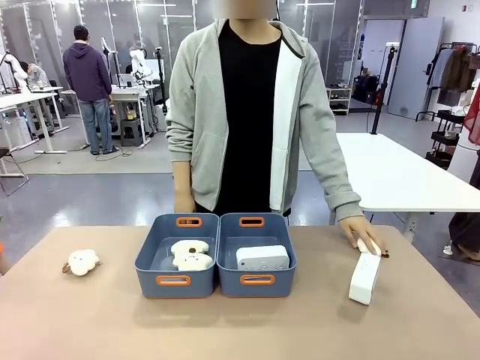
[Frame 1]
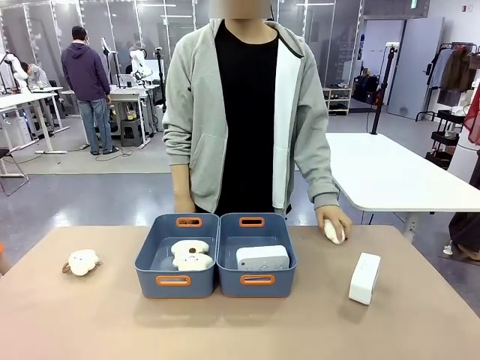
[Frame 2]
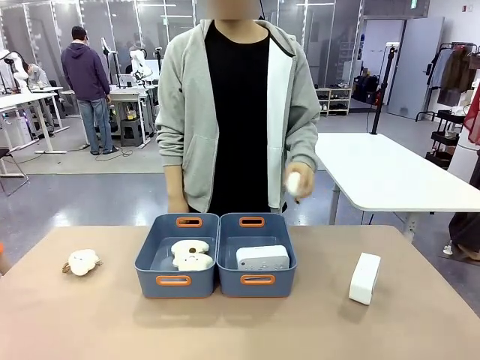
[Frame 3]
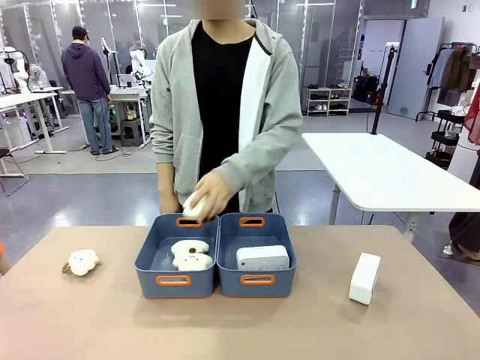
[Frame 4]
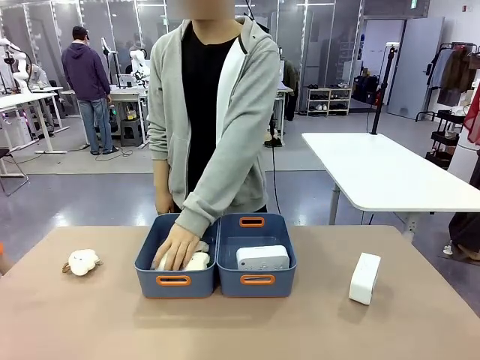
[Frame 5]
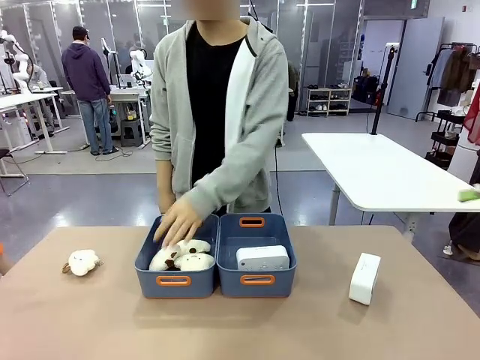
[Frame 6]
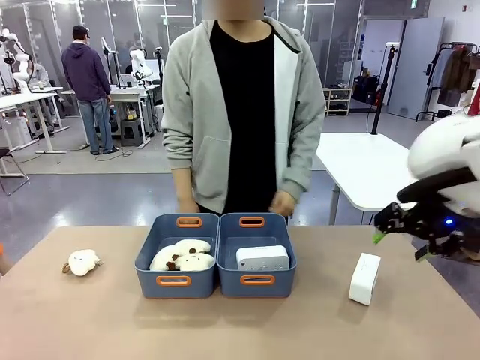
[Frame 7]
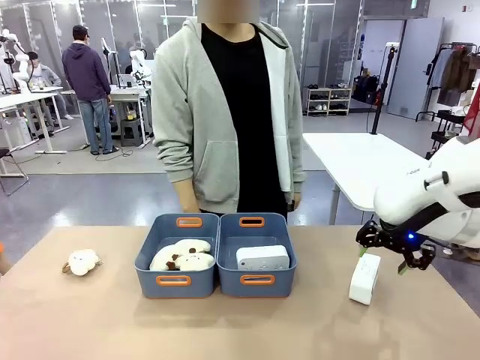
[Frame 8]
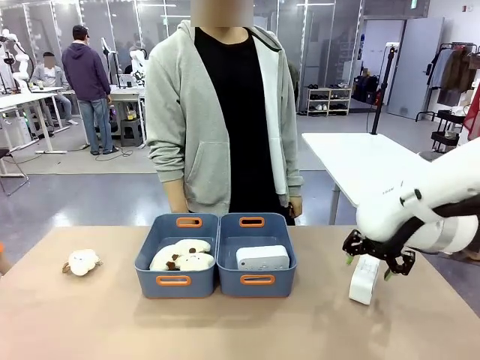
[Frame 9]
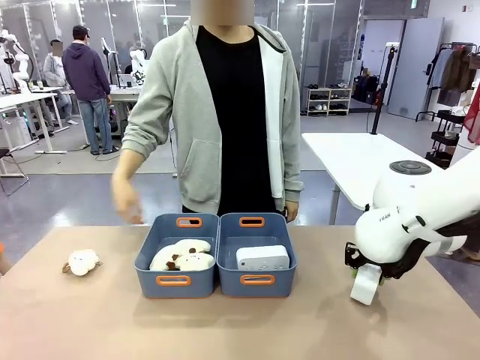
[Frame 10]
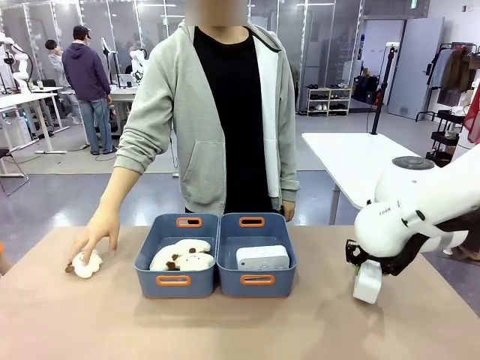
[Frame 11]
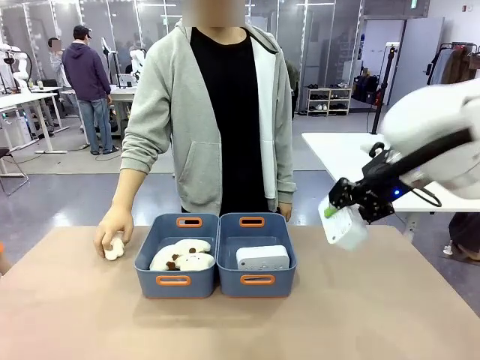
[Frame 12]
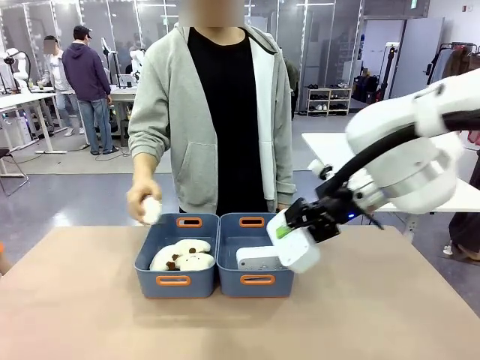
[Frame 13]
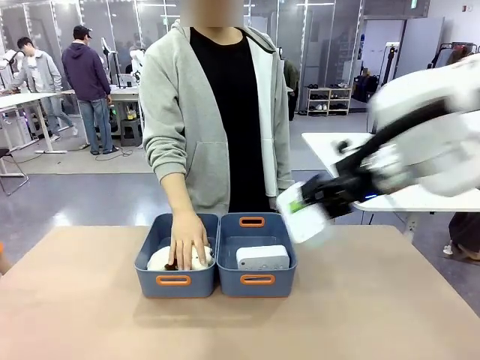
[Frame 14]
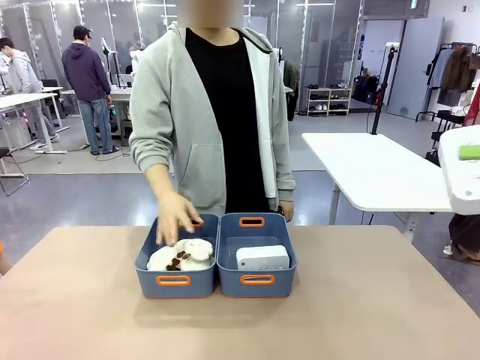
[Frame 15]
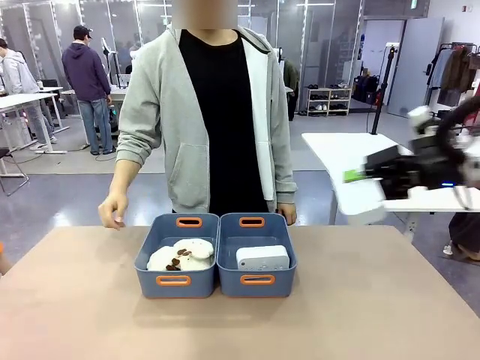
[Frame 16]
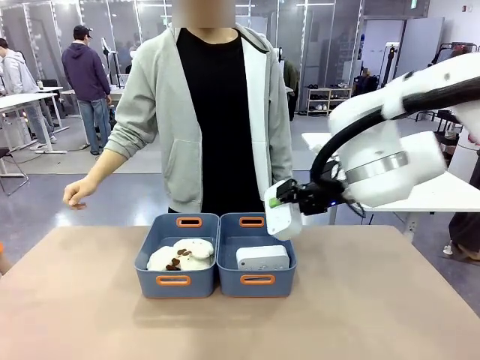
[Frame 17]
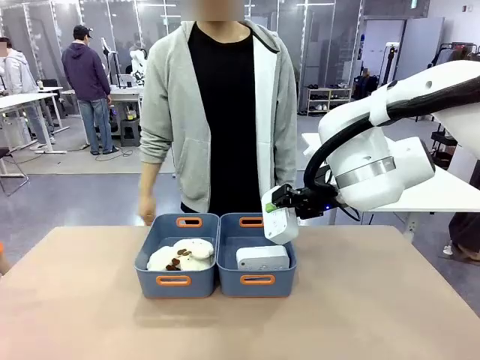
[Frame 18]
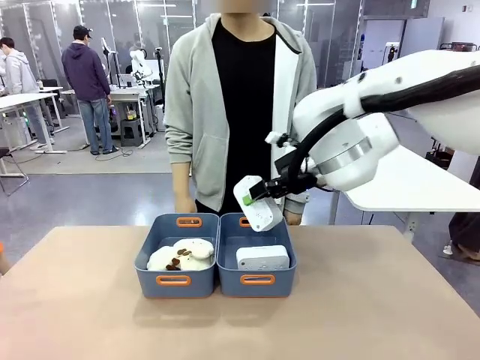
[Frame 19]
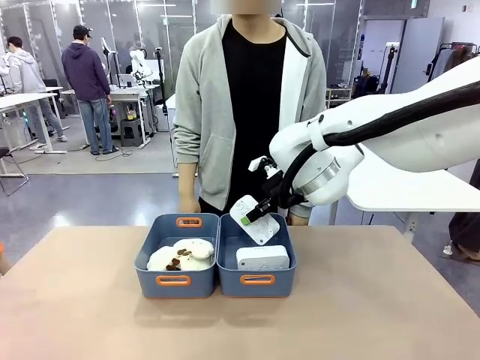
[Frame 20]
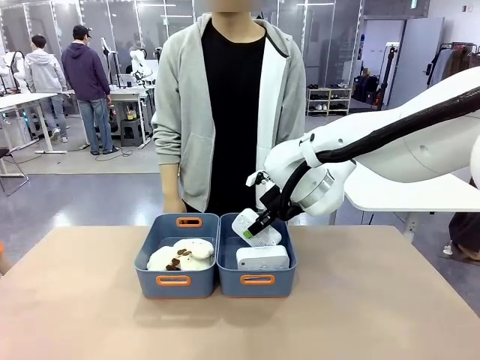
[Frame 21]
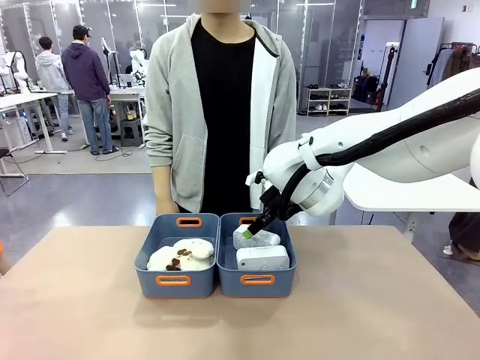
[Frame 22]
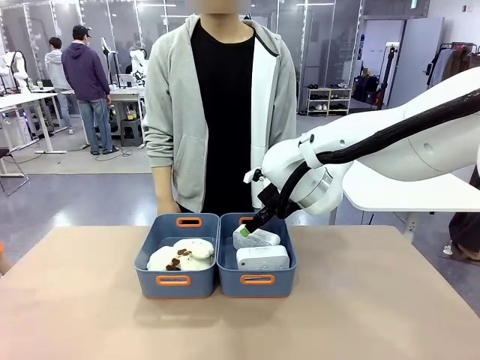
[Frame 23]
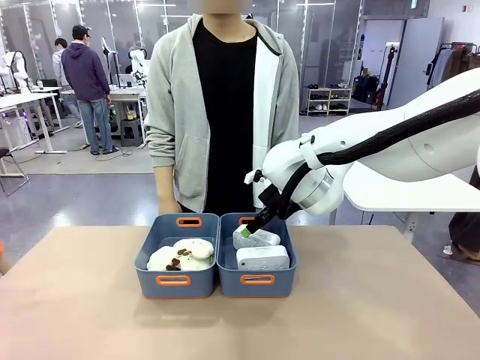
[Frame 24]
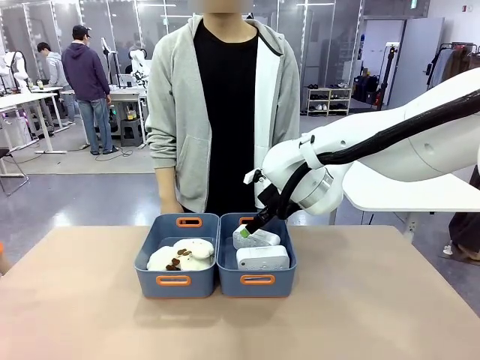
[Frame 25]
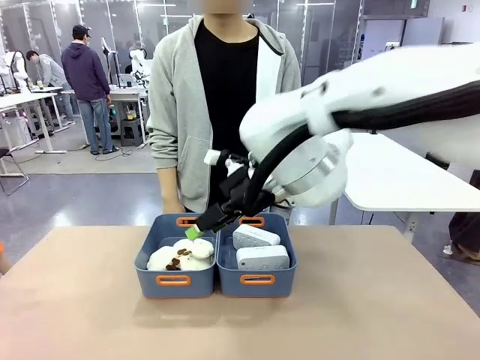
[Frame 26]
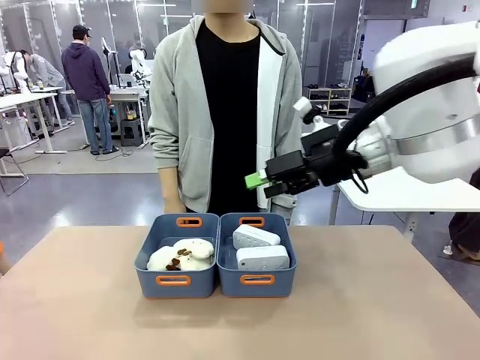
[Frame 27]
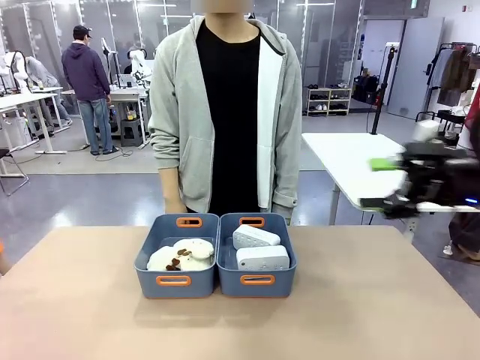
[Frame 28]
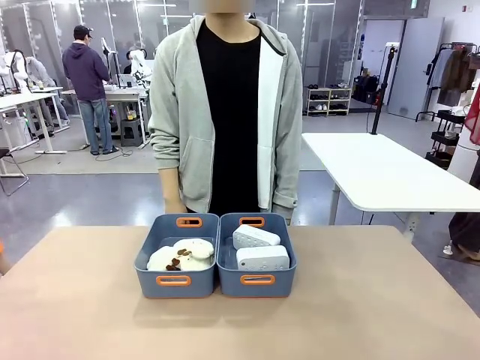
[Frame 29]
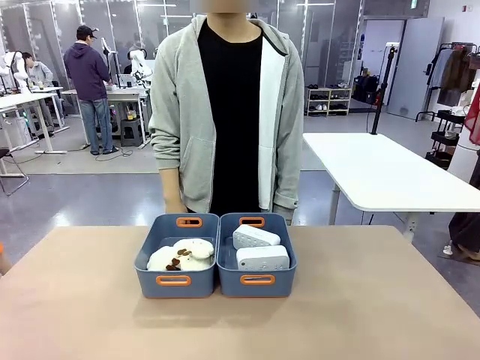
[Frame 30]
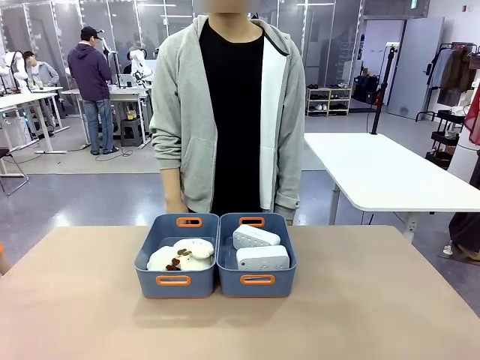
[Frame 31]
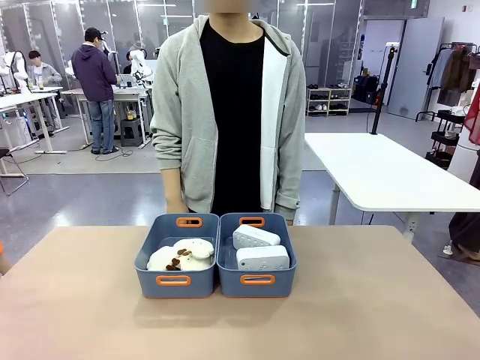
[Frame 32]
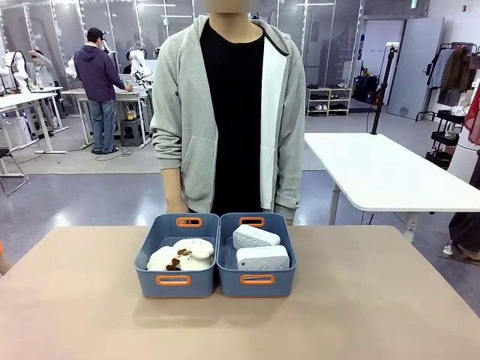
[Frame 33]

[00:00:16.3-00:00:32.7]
Task: Sort the digital clocks into the basket.
Robot: Pick up the Digital clock from the table and place it into the empty Plastic storage basket.
Person: Pick up a plush toy from the table and place it in the plastic storage basket containing the plush toy.

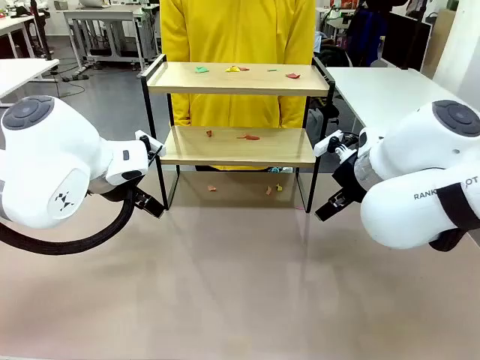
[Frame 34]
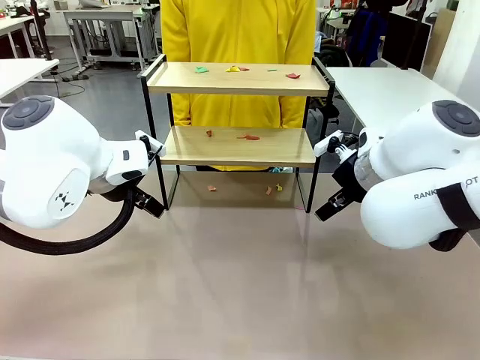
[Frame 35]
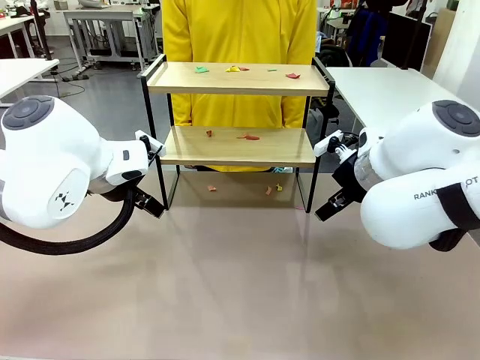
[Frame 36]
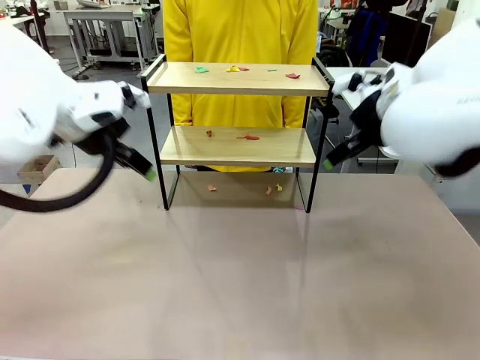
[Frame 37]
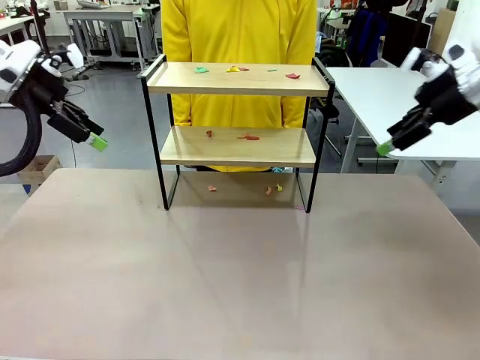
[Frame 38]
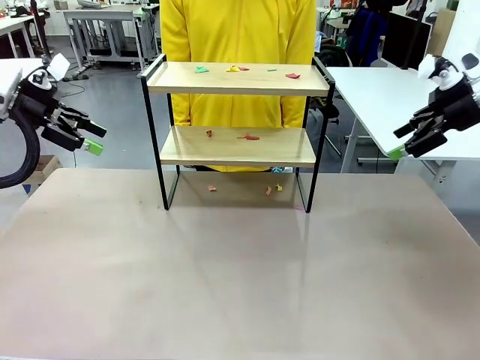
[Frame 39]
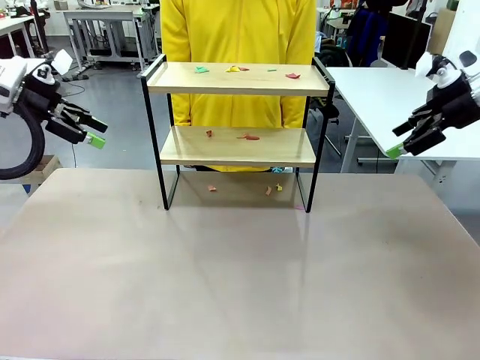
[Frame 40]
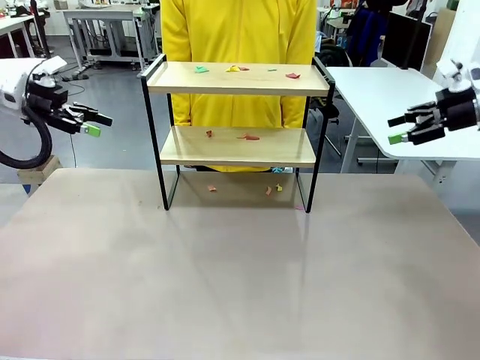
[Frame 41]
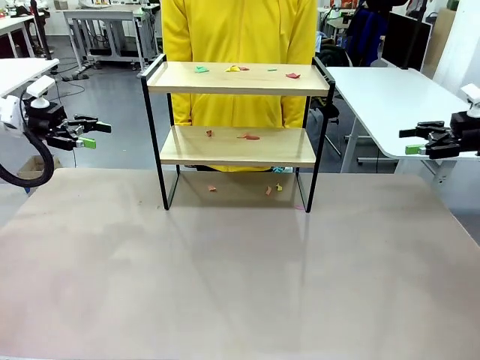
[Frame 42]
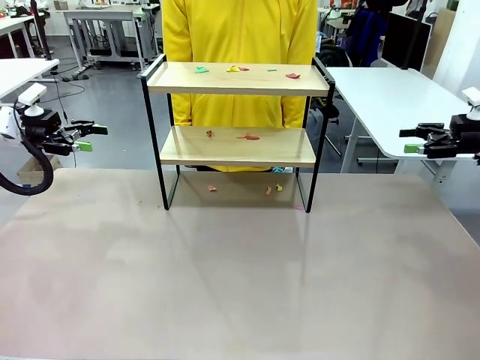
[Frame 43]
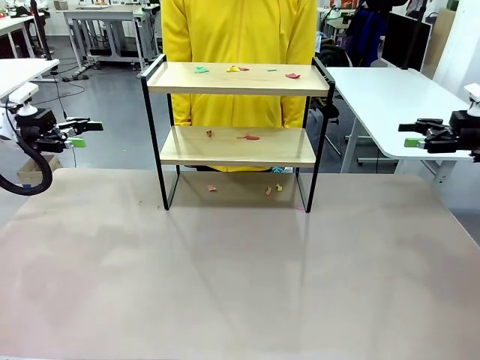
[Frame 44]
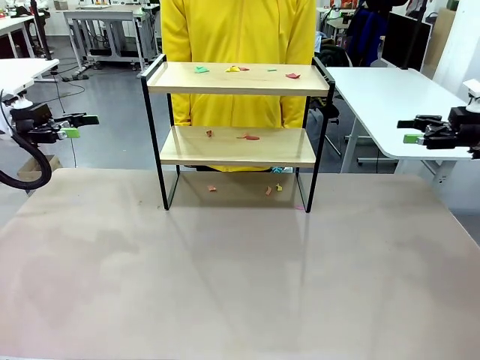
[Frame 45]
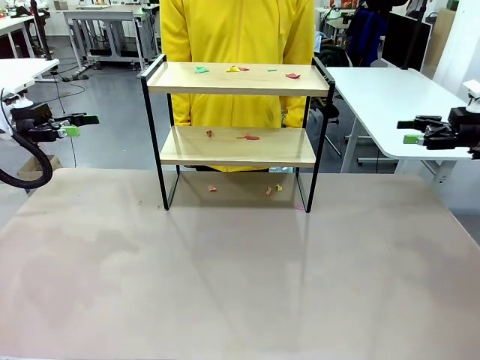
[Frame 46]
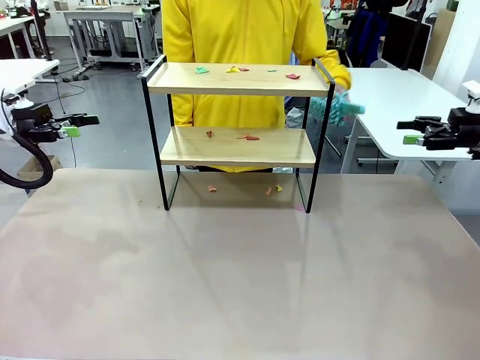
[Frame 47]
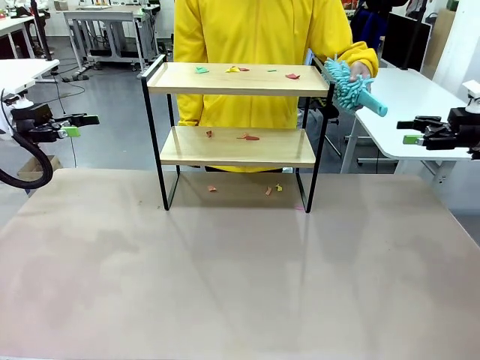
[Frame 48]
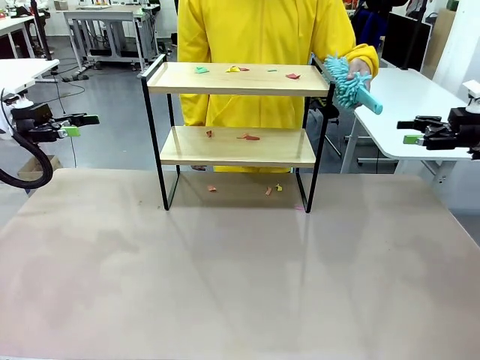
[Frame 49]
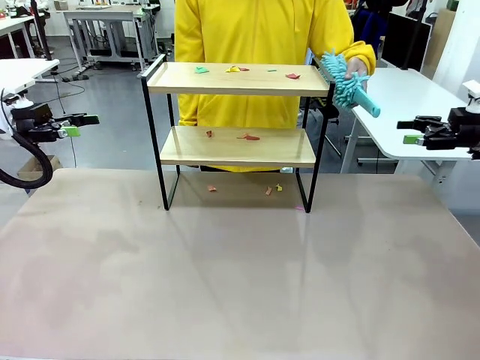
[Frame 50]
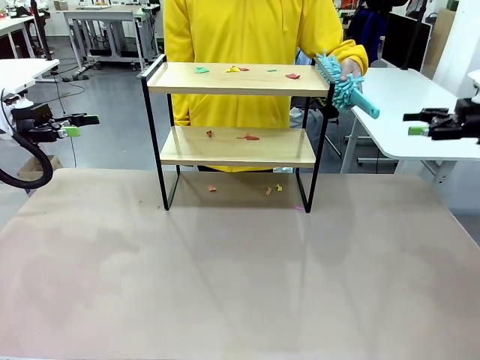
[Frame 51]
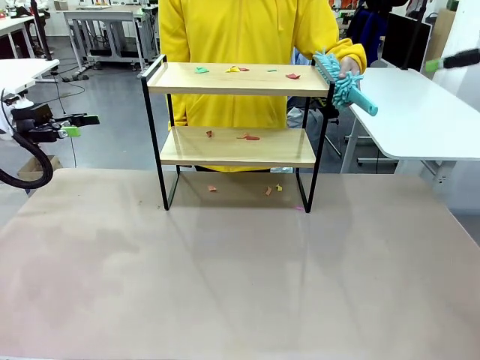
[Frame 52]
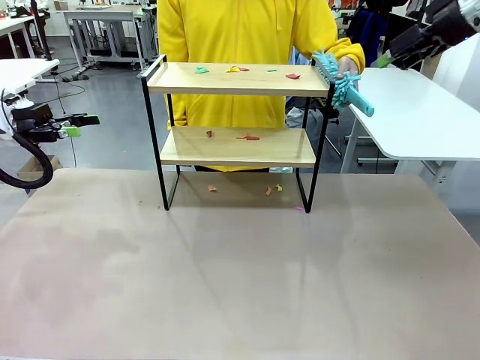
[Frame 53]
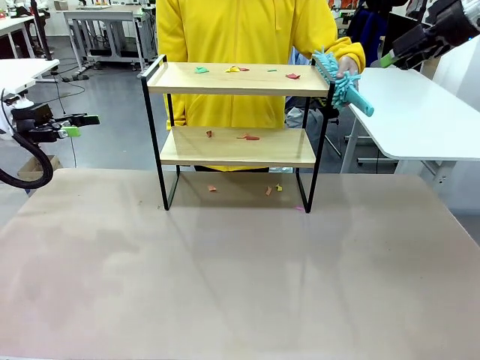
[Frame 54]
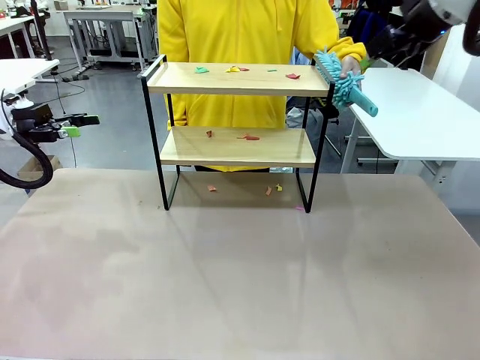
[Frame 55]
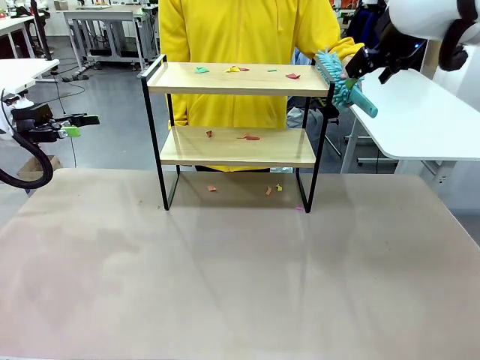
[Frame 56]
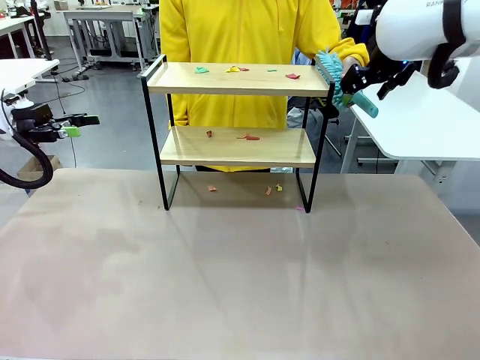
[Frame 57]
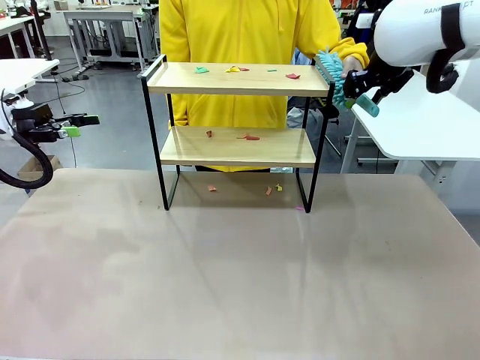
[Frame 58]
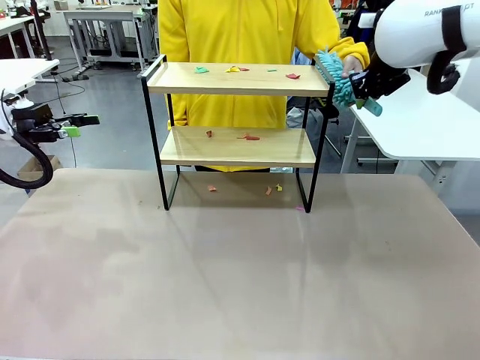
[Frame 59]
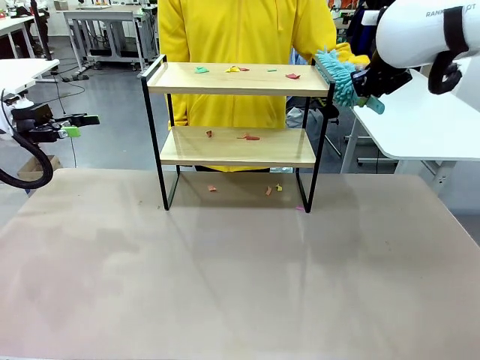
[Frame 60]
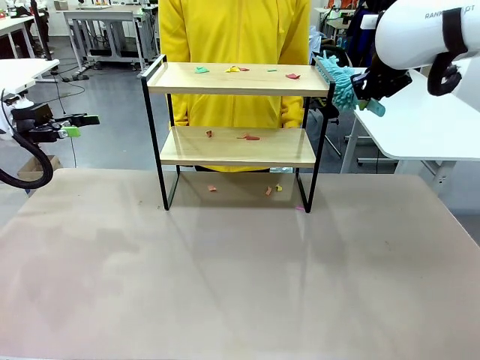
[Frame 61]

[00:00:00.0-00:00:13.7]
Task: Clean the shelf.
Robot: Pick up the Duster handed by the human.
Person: Hand the Duster to the robot.
